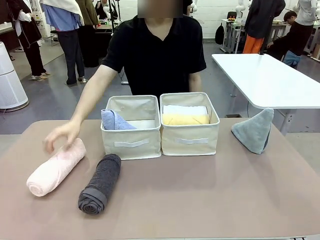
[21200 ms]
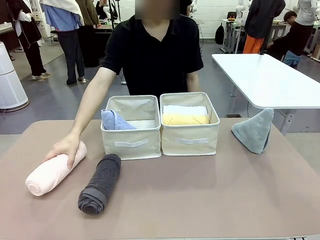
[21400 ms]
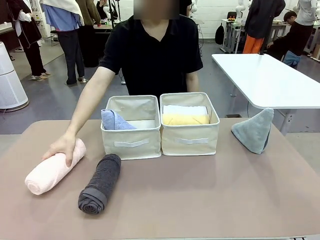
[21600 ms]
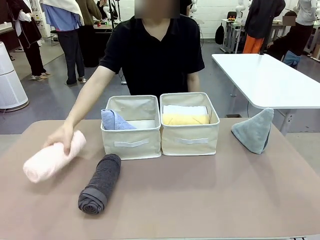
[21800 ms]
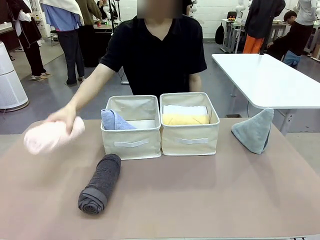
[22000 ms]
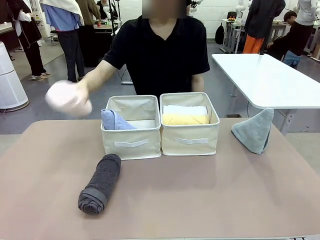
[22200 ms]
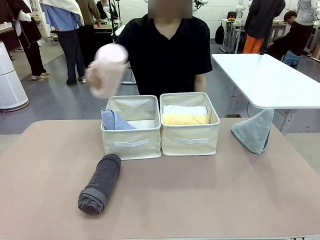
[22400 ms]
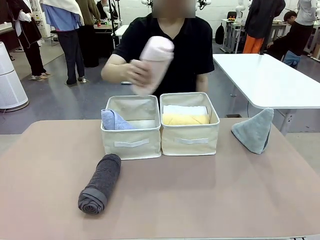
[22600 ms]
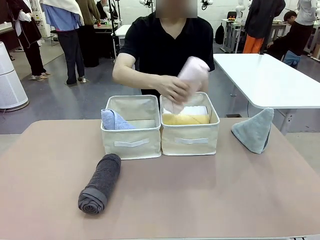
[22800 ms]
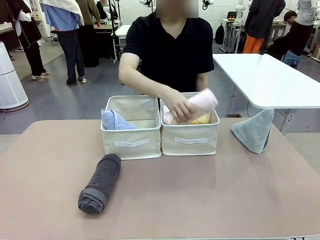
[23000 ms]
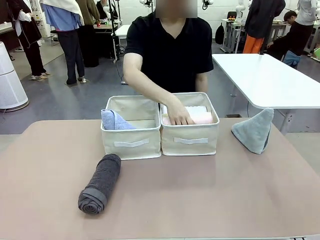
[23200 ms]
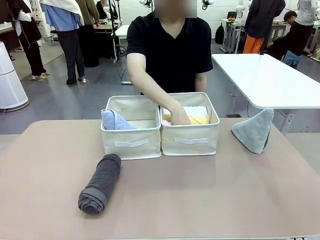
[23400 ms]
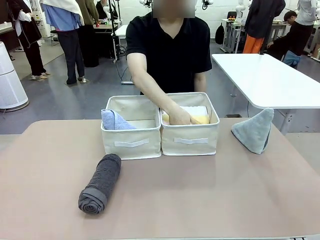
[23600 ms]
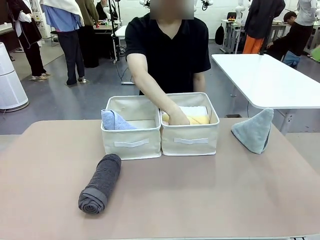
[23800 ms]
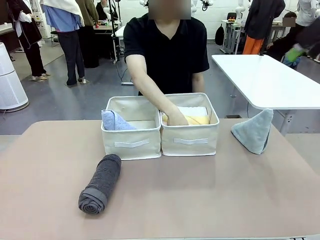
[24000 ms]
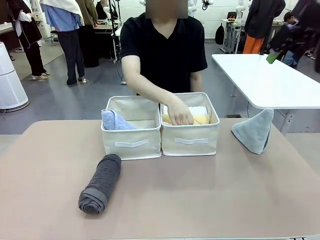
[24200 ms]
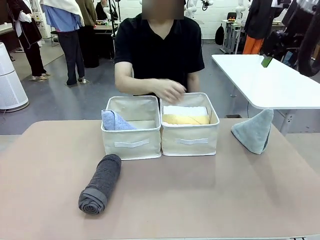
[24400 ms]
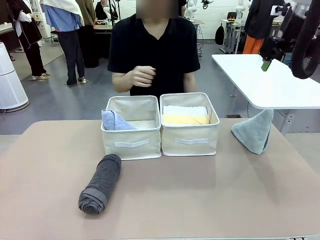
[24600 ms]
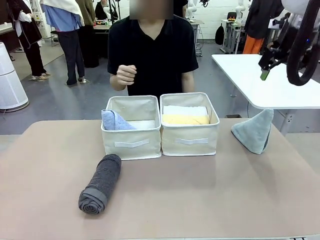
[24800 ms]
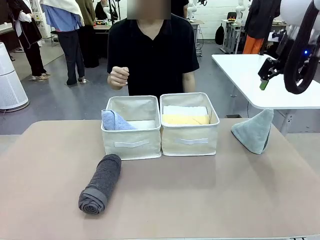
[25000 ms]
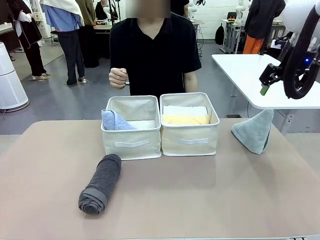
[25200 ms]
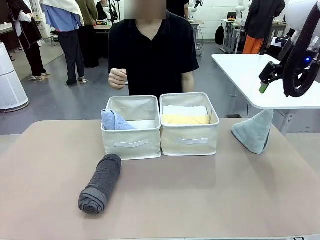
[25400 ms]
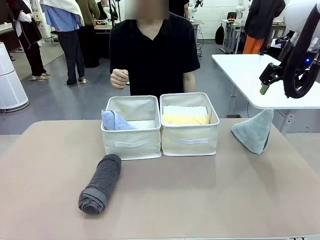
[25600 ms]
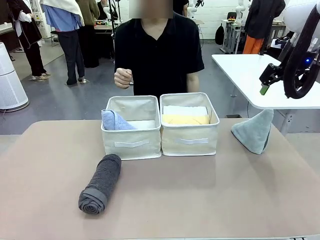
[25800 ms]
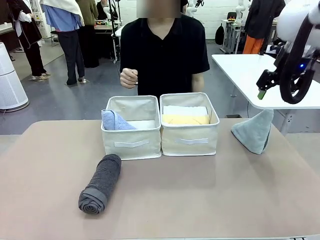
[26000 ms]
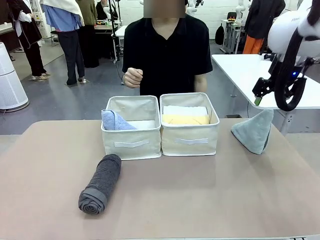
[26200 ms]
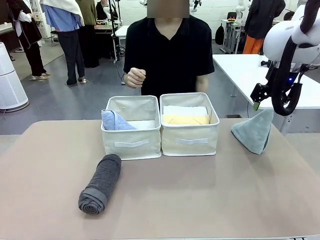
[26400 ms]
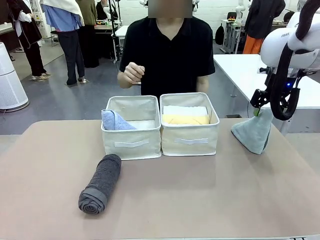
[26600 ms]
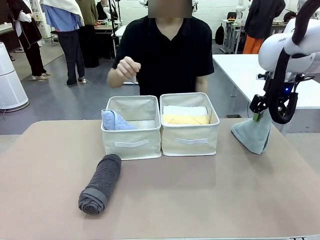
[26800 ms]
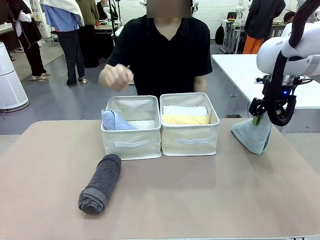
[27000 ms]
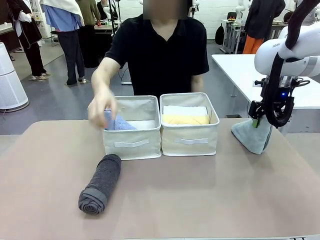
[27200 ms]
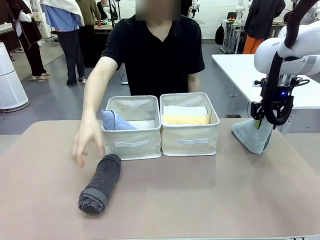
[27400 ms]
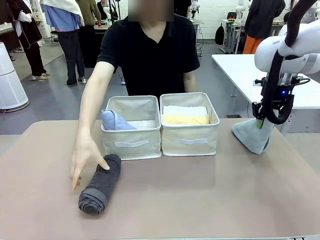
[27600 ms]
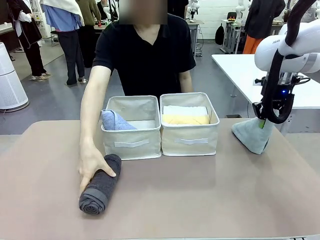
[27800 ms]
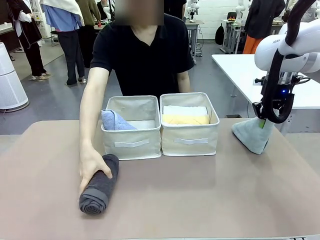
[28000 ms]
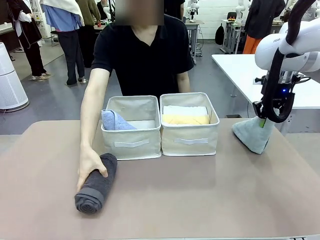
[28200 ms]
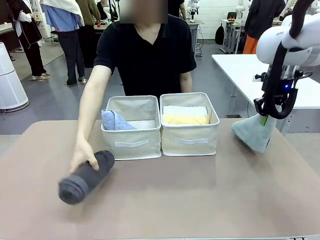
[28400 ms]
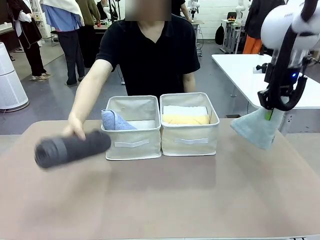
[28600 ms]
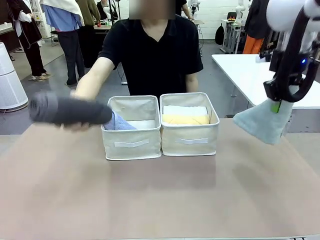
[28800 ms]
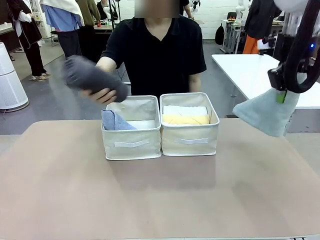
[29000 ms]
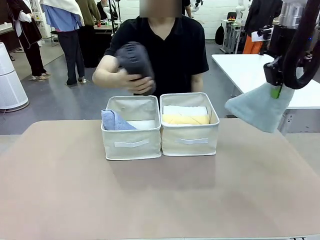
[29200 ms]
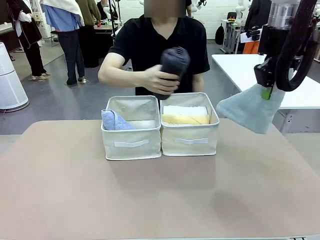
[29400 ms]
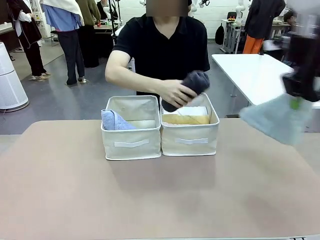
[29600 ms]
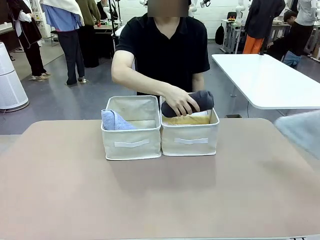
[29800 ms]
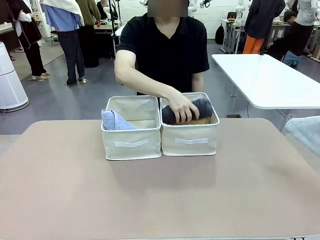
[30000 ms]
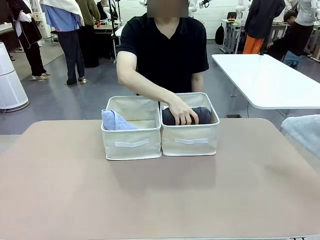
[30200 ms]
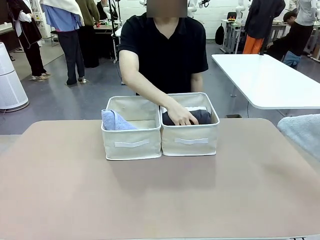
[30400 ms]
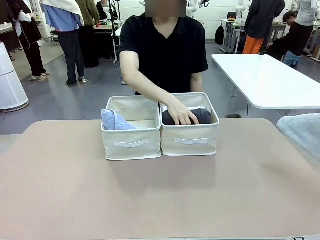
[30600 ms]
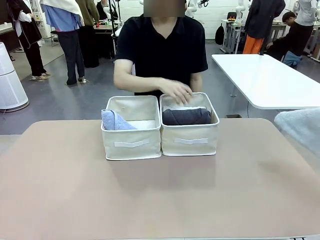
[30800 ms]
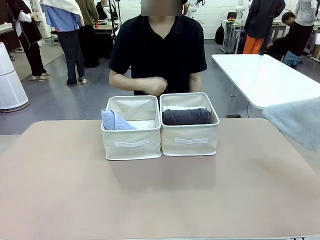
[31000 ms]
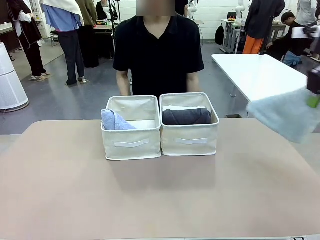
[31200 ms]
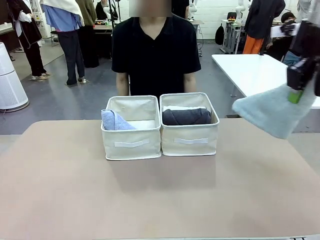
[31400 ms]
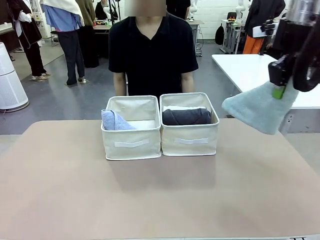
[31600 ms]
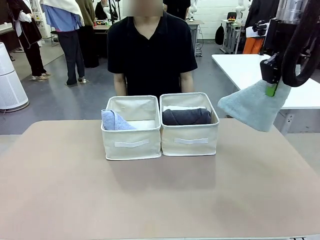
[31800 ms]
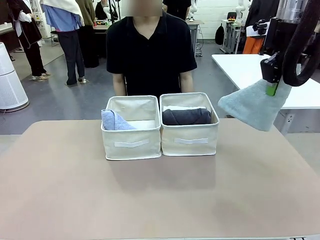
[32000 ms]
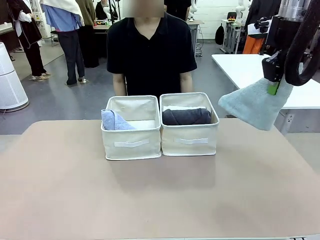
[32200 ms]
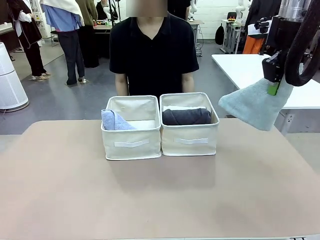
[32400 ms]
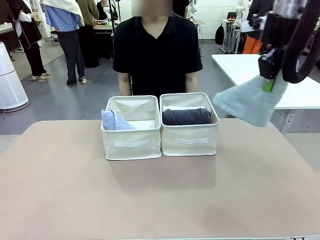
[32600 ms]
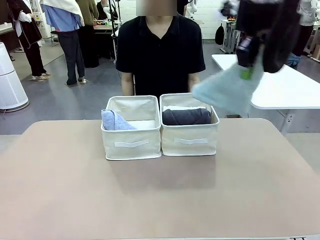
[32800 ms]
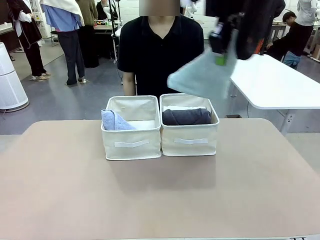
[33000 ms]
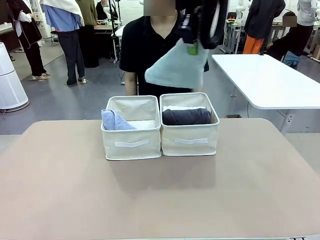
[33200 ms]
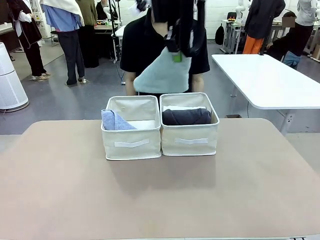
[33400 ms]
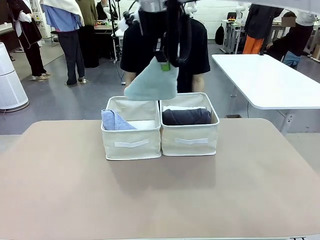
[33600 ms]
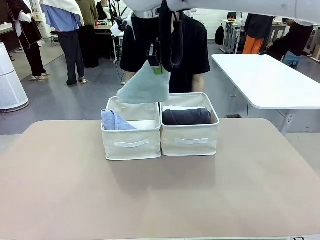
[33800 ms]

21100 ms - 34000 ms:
Task: Sort the towels based on their folding style.
Robot: Pick up another triangle-folded towel from the table and place it in the left Fabric basket.
